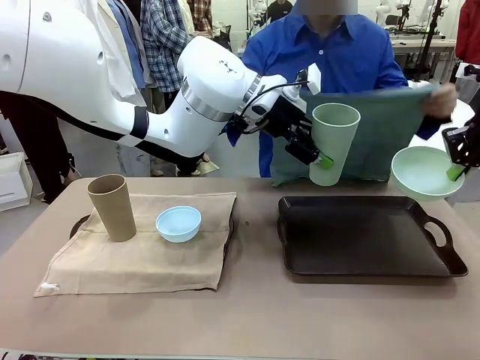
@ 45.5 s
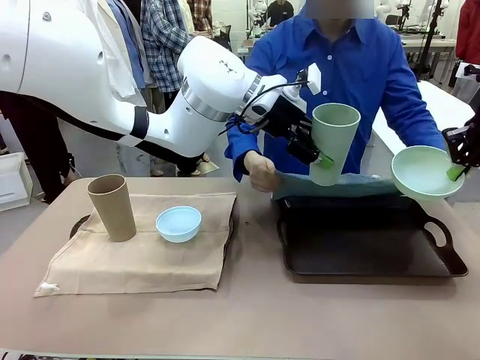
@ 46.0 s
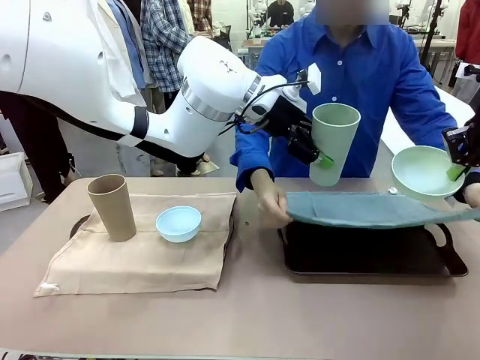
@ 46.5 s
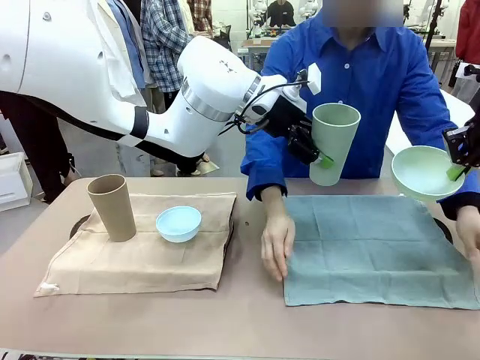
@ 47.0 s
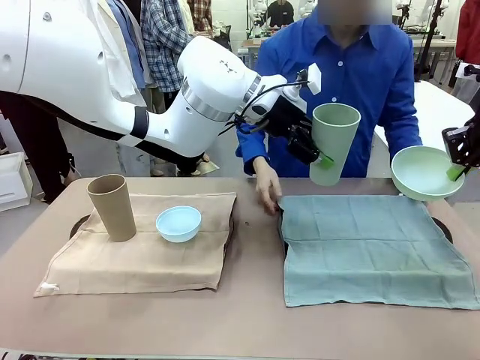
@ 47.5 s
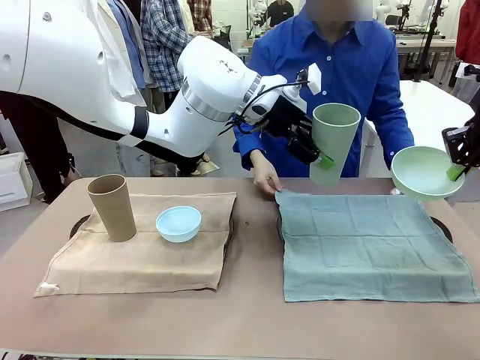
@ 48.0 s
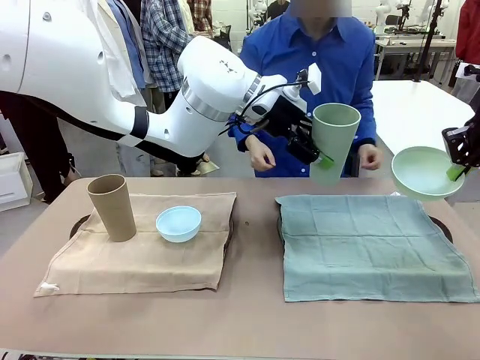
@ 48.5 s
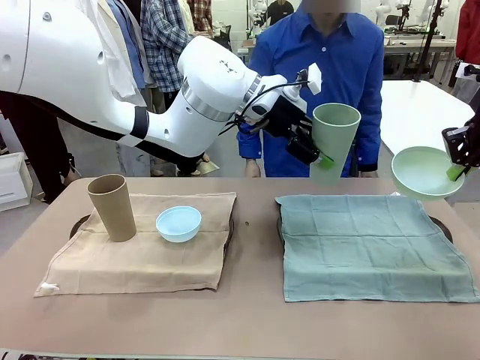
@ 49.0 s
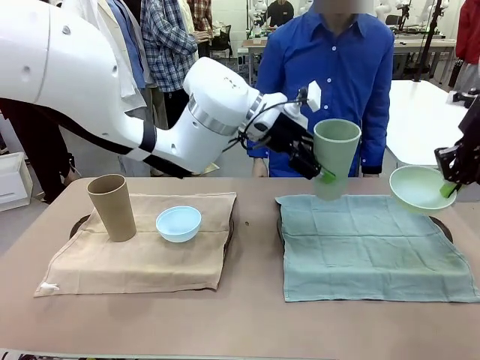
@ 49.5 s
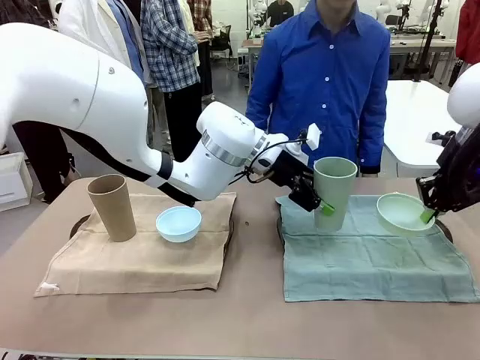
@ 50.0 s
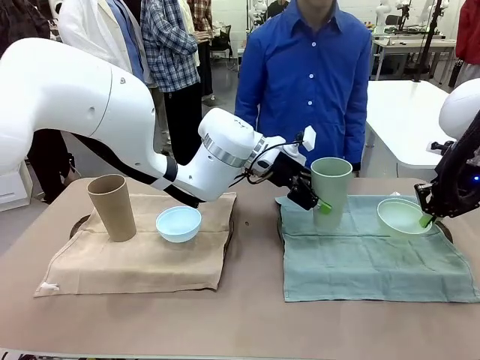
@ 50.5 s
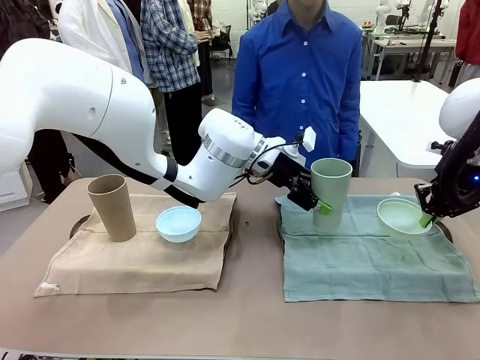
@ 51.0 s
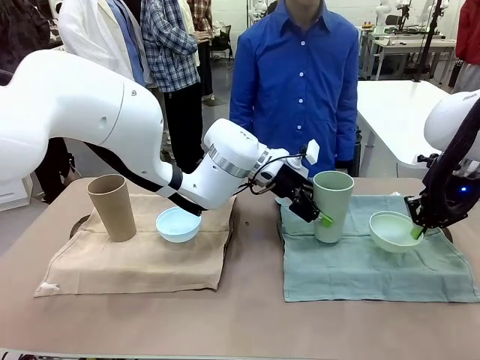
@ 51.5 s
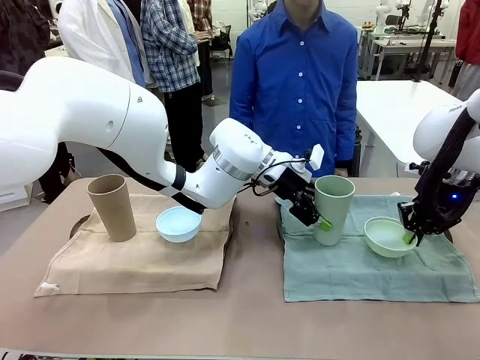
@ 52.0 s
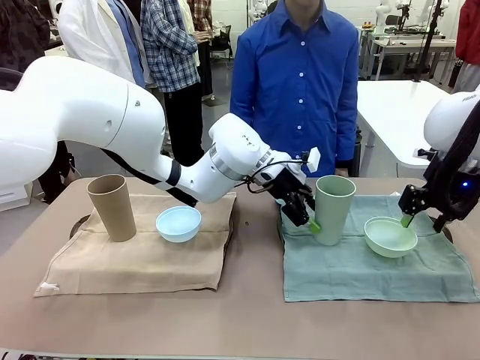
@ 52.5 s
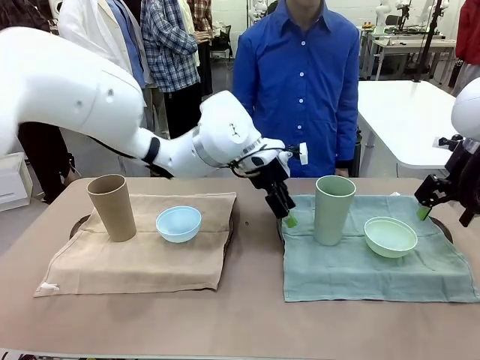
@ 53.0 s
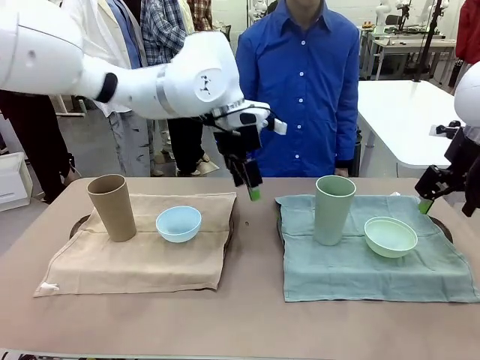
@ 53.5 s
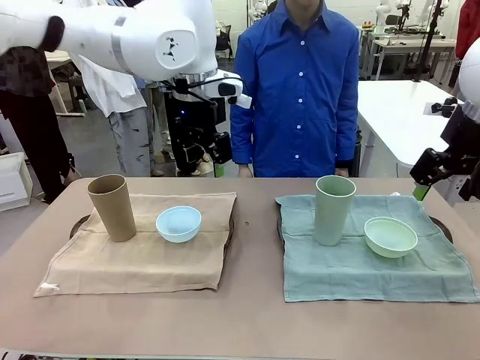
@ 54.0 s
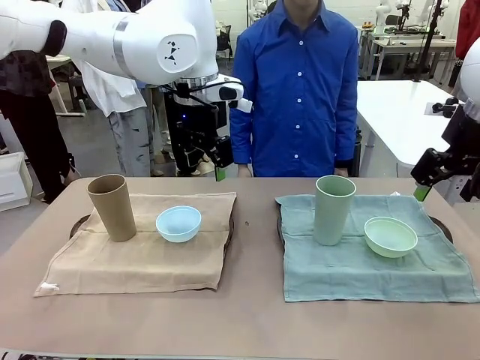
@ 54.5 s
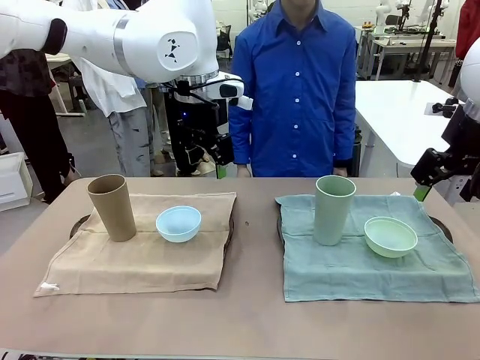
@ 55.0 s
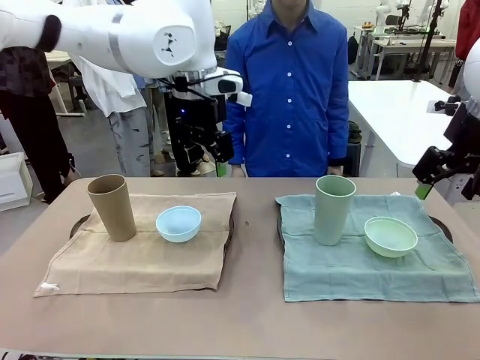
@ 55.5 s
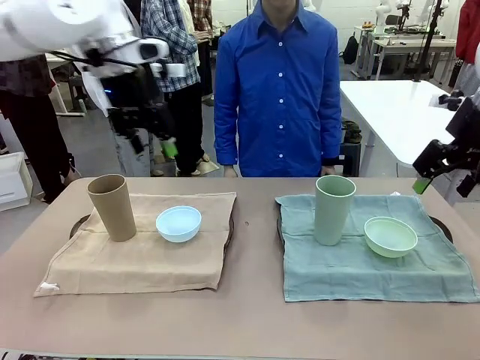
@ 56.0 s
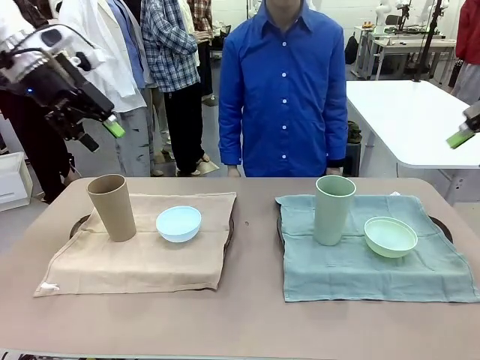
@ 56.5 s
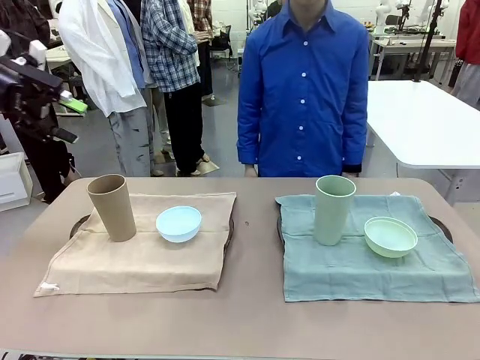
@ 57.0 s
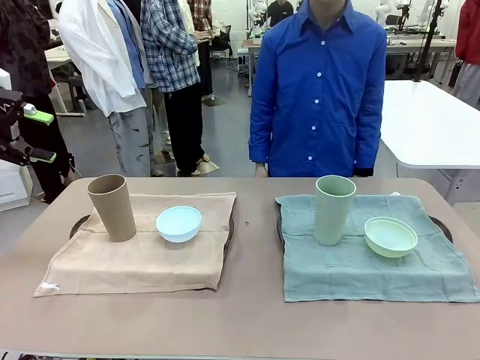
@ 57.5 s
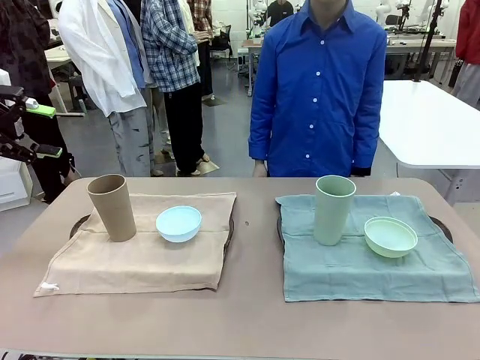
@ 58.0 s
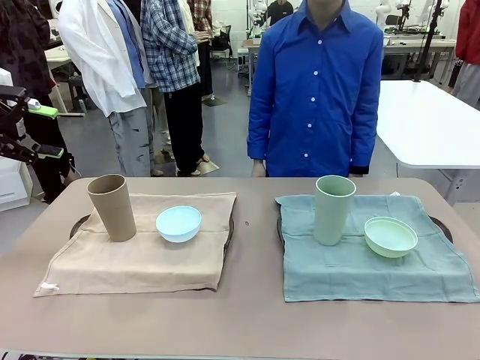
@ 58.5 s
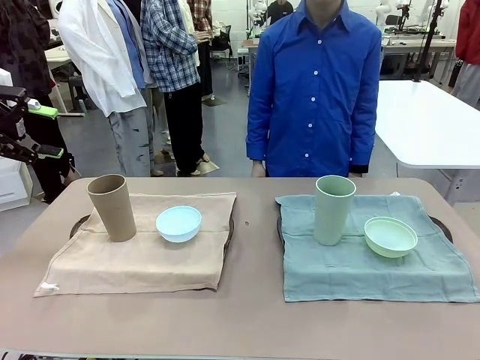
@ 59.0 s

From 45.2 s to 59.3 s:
Robot: Place the Picnic Bowl and Reusable plastic cup back onto the Handle tray in front of the human's position.
Person: When the robot lifts the bowl and the cup, the human unfolds the napkin and lays the napkin flat on the tray.

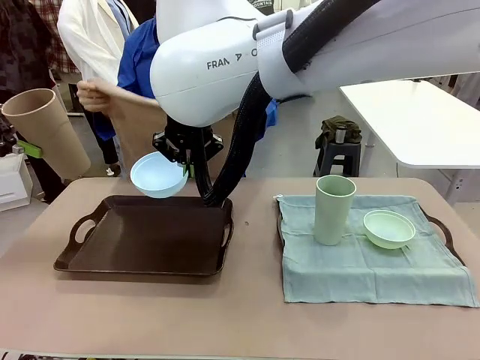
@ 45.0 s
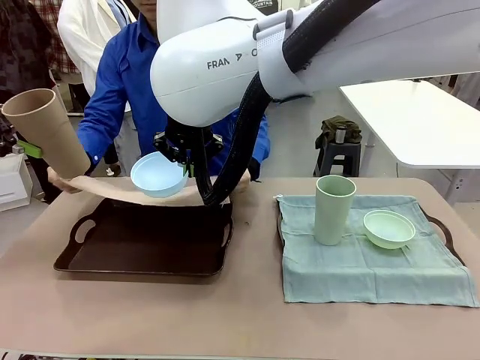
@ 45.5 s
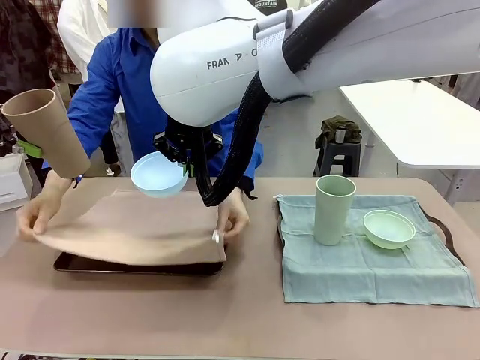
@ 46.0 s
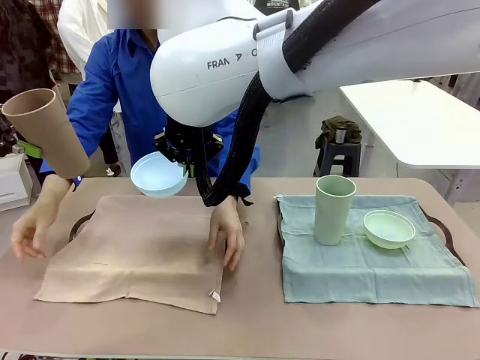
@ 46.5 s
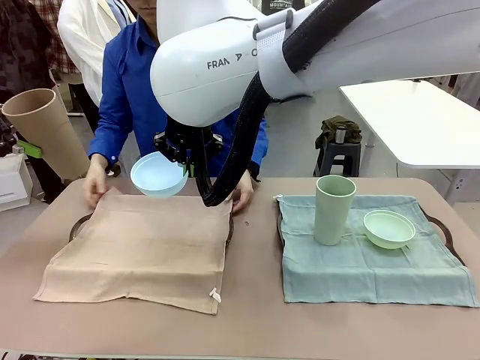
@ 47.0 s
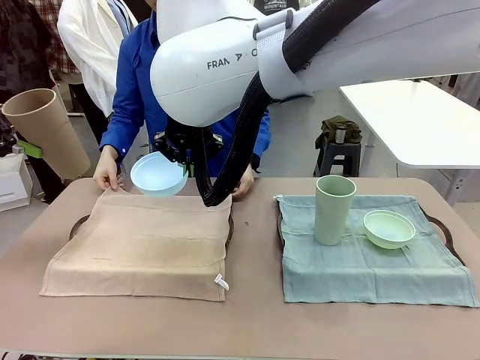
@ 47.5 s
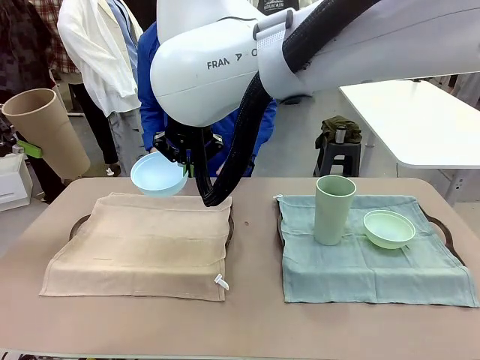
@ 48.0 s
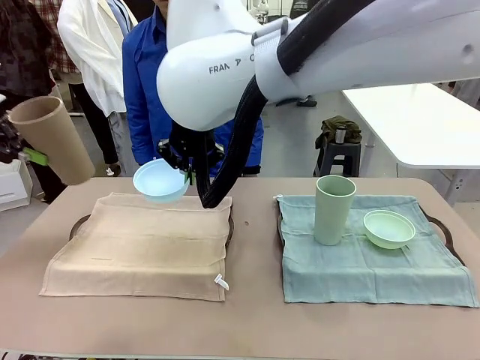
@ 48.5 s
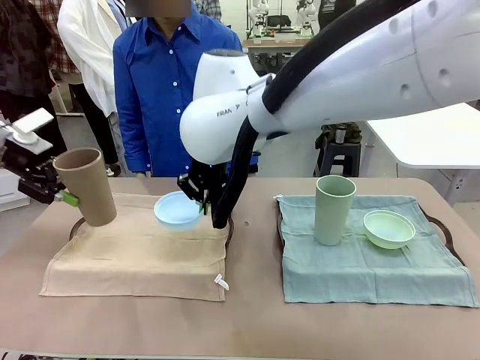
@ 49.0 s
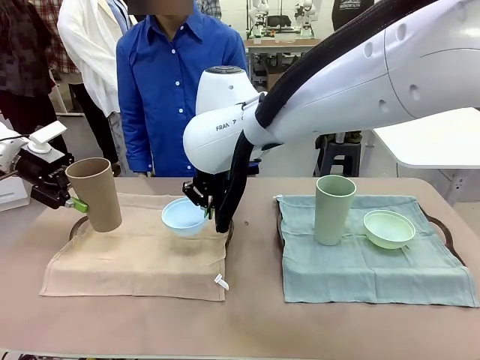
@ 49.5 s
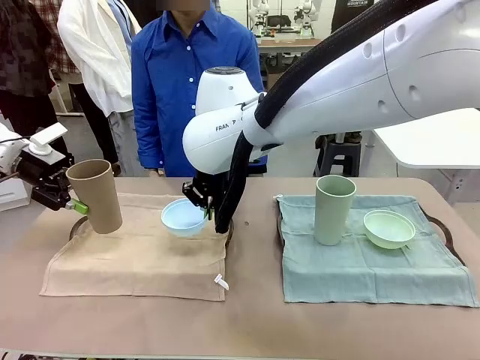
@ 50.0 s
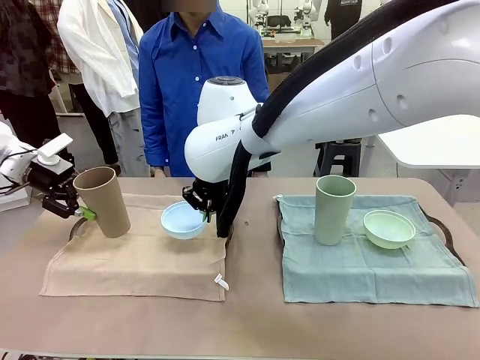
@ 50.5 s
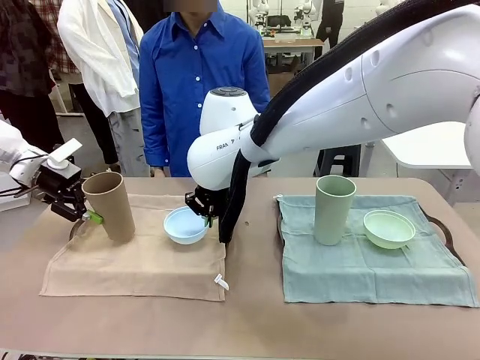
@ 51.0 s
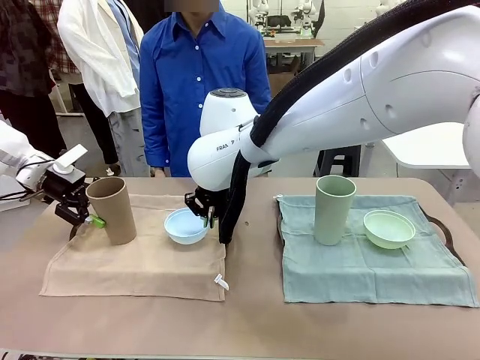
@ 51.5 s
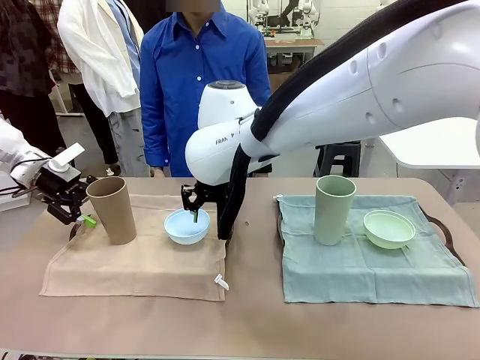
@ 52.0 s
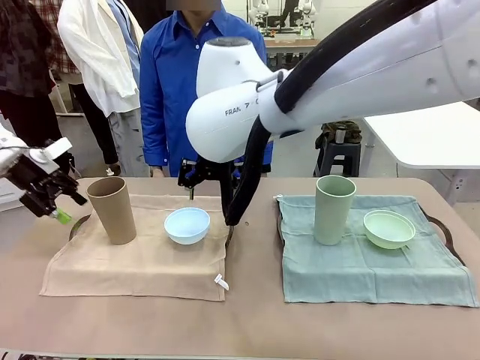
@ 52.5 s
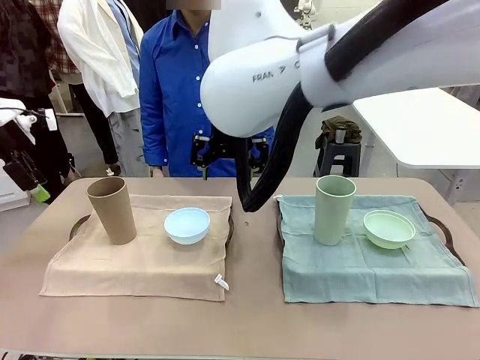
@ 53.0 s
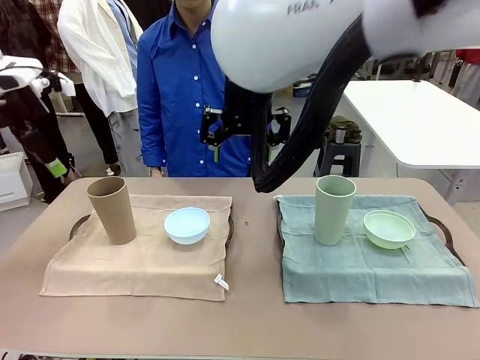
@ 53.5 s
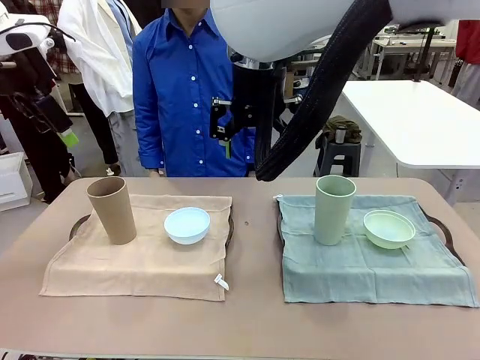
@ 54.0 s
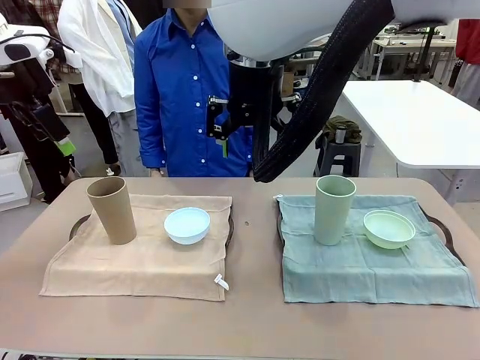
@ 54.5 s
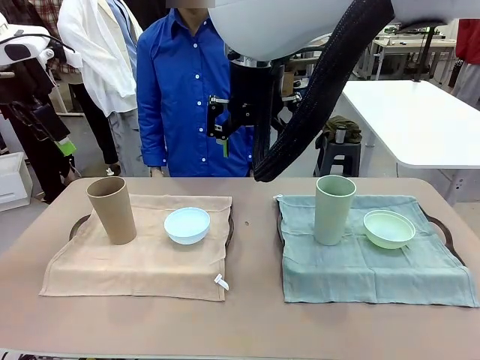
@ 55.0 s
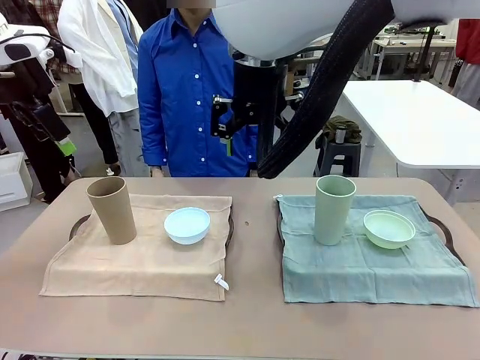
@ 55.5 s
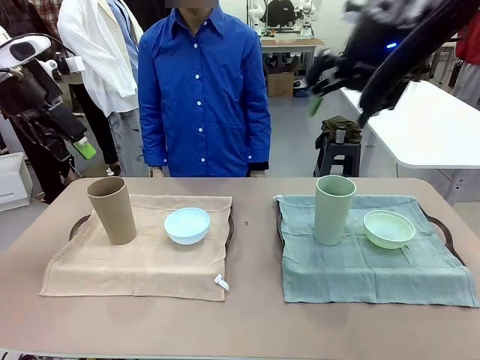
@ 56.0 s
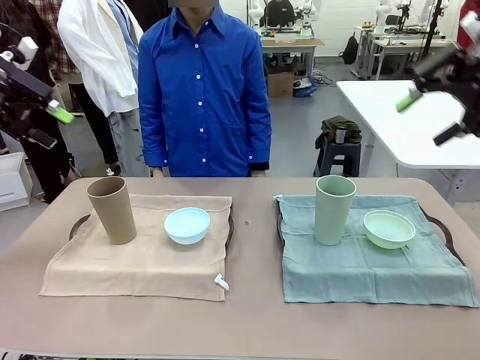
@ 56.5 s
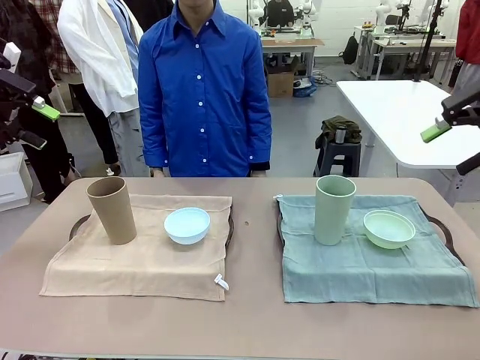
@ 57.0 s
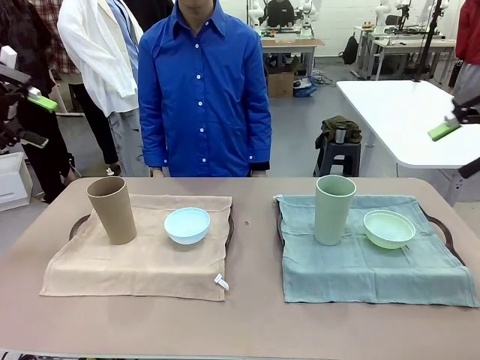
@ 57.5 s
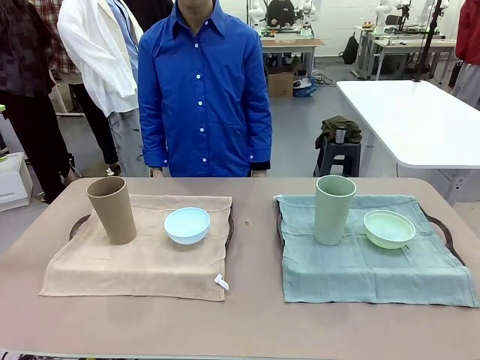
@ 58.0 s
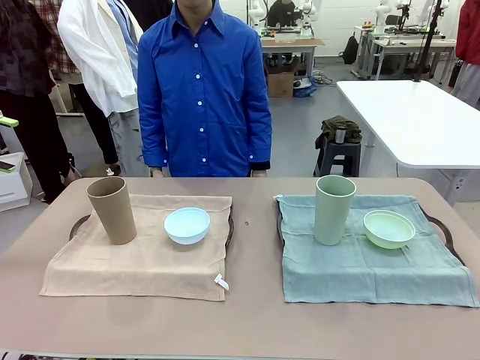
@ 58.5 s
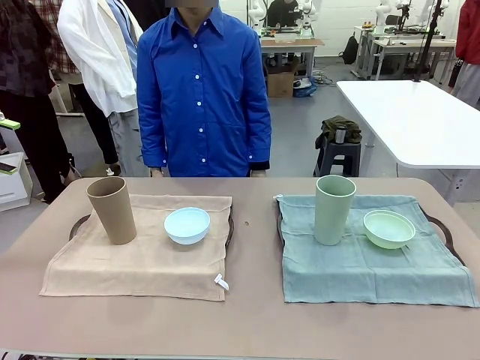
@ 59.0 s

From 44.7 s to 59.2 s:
Robot: Place the Picnic Bowl and Reusable plastic cup back onto the Handle tray in front of the human's position.
Person: When the robot lifts the bowl and the cup, the human unfolds the napkin and lays the napkin flat on the tray.
